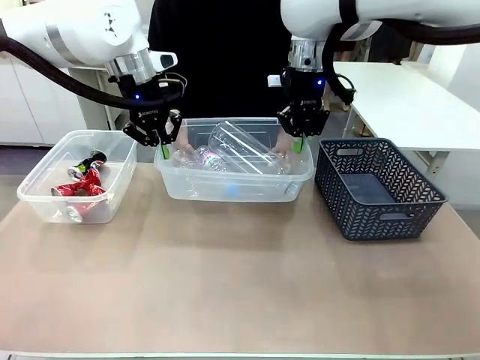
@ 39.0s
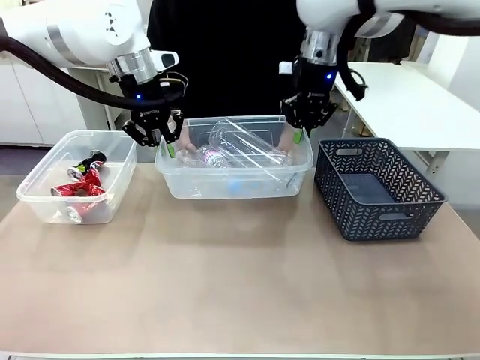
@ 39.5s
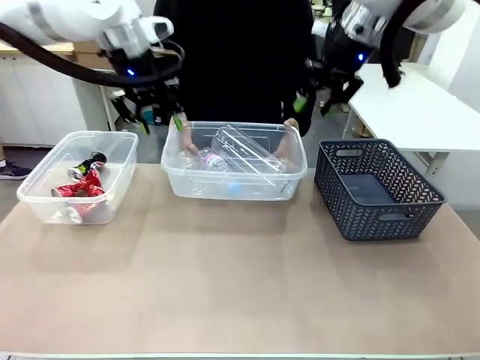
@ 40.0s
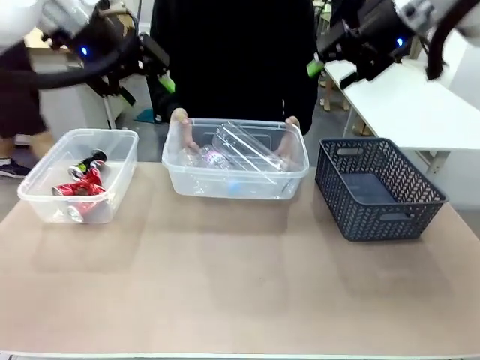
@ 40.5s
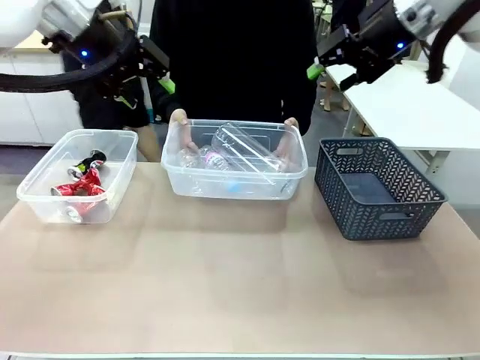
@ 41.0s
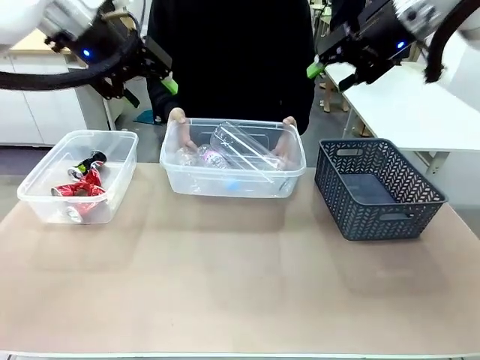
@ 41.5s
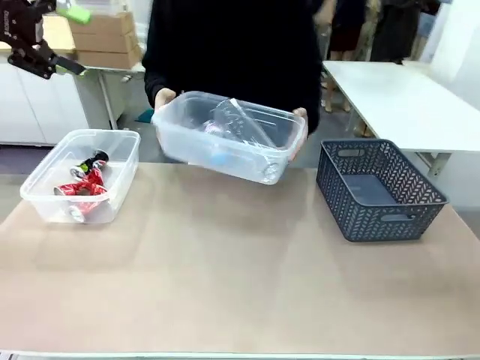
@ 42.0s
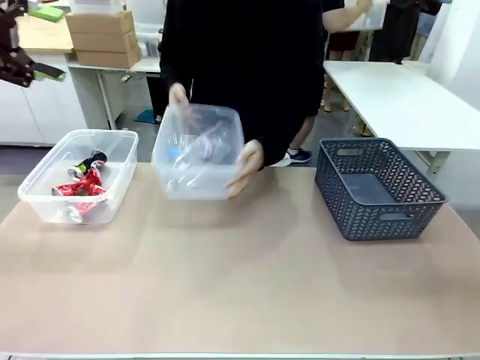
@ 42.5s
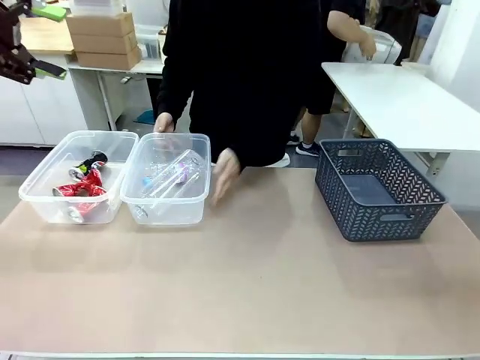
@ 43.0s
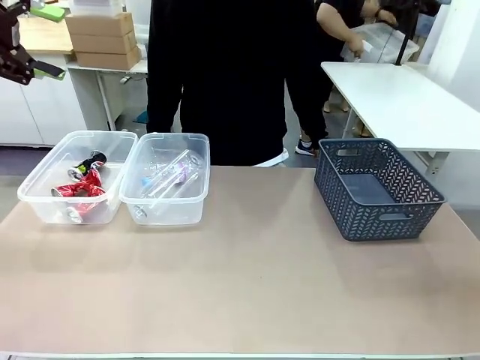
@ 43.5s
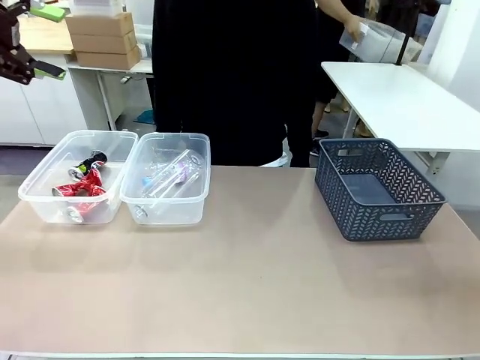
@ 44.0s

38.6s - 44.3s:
Robot: Release the Organizing box you were holding.
Person: Pick up the organizing box extended by the robot. Place the organizing box to the left of the sorting box containing the can waste.

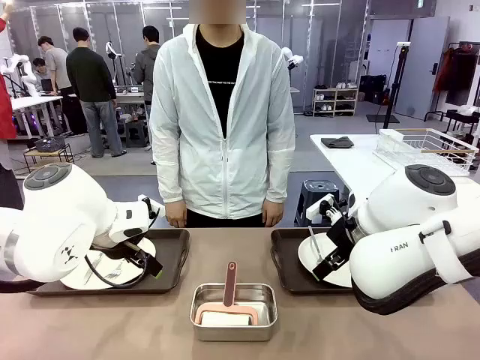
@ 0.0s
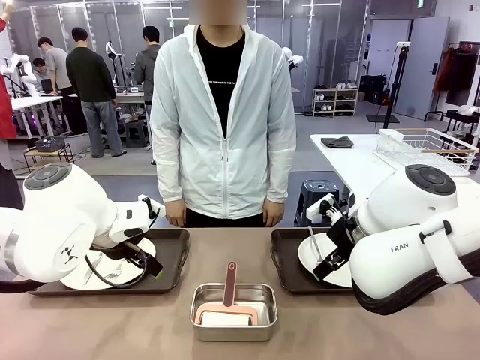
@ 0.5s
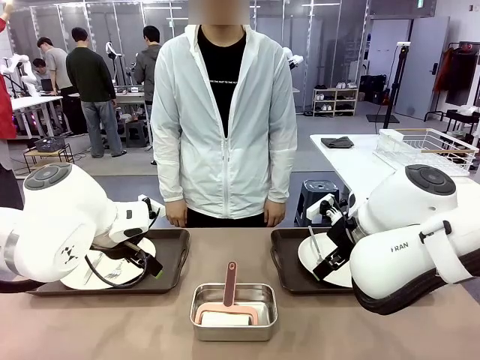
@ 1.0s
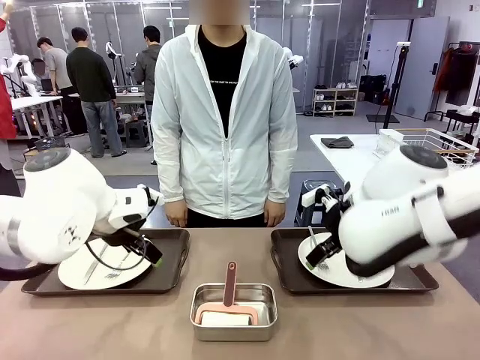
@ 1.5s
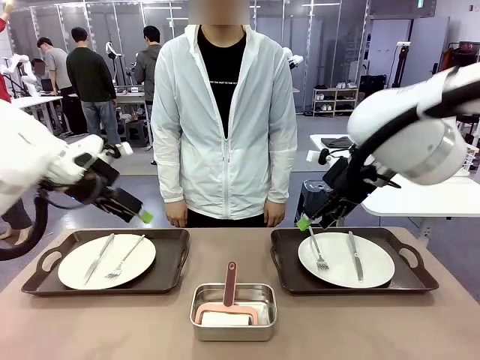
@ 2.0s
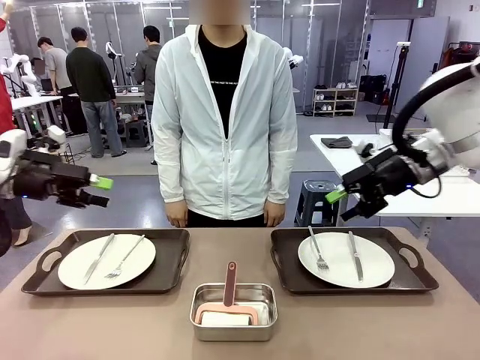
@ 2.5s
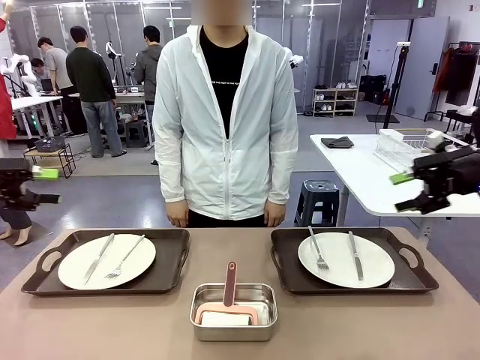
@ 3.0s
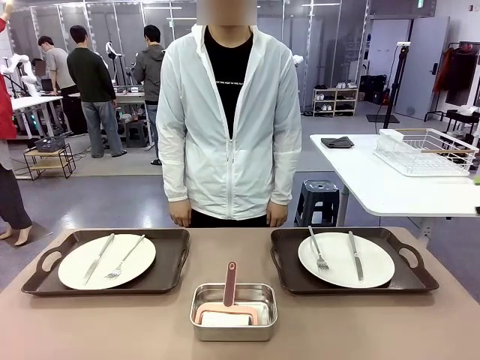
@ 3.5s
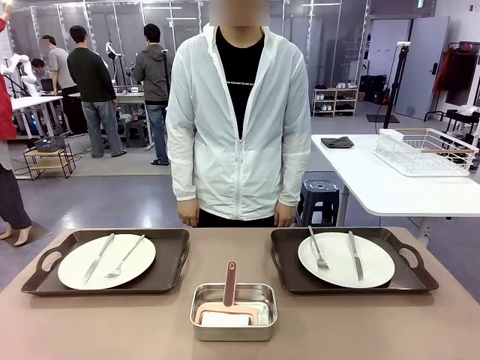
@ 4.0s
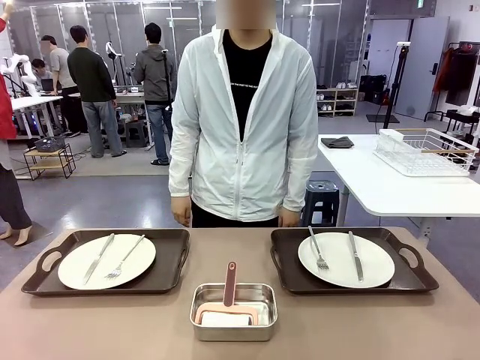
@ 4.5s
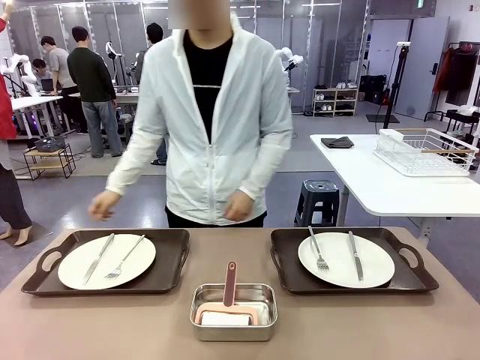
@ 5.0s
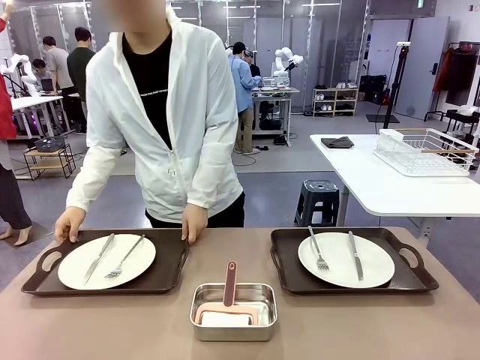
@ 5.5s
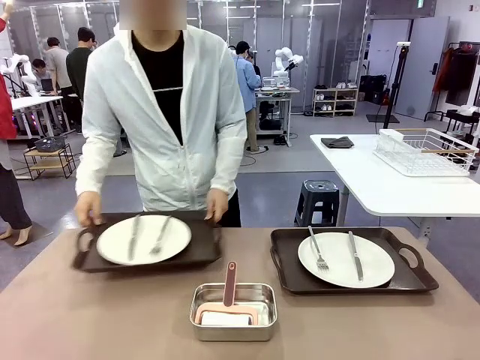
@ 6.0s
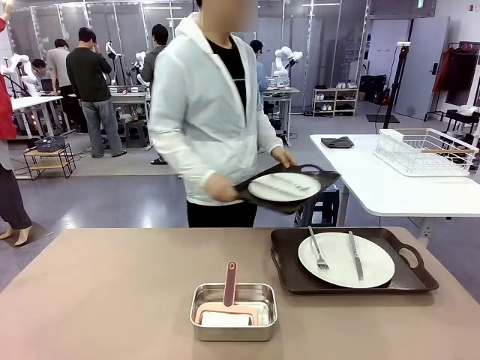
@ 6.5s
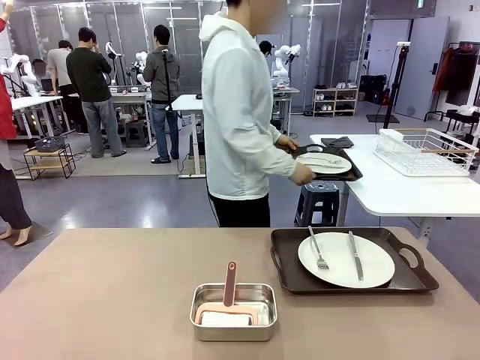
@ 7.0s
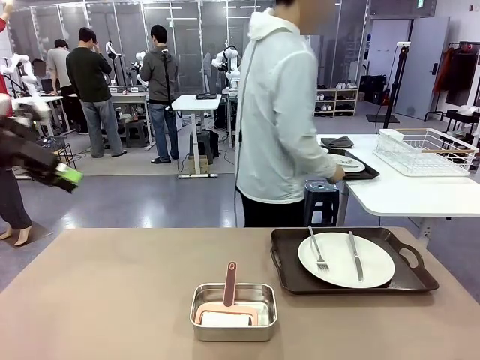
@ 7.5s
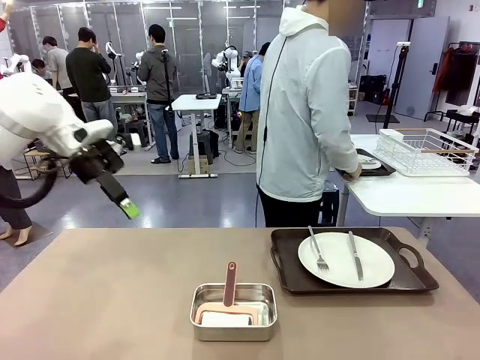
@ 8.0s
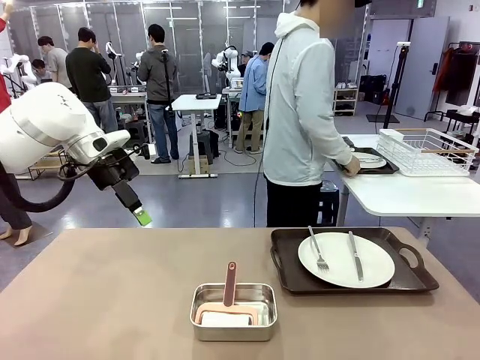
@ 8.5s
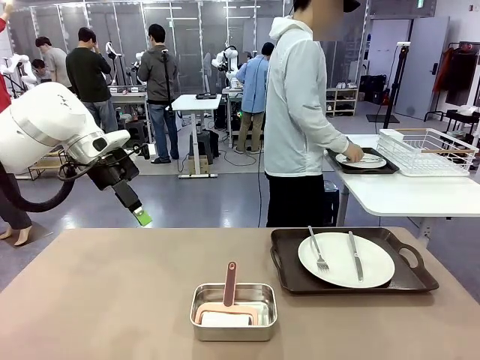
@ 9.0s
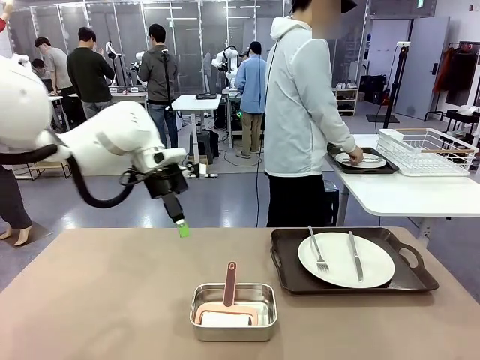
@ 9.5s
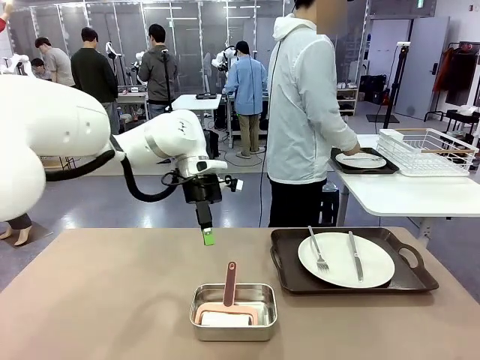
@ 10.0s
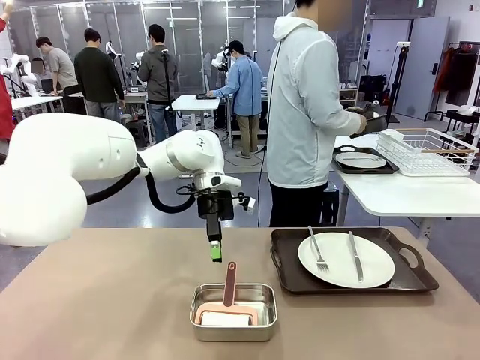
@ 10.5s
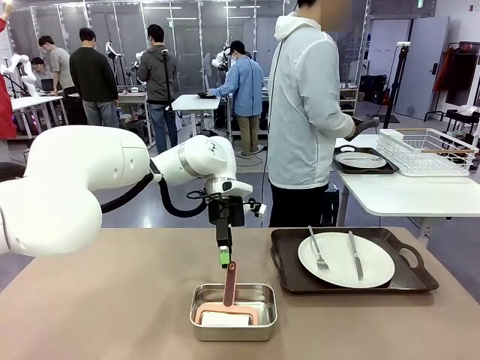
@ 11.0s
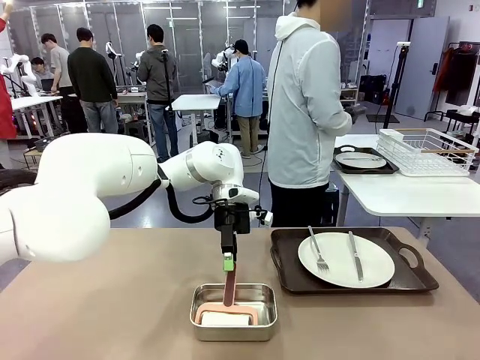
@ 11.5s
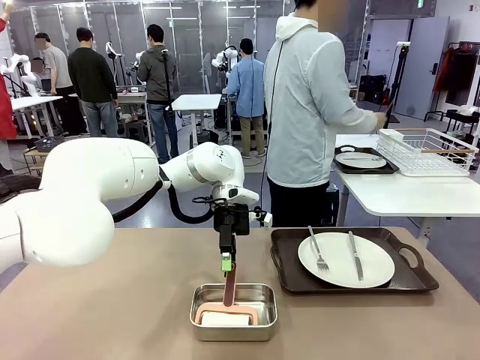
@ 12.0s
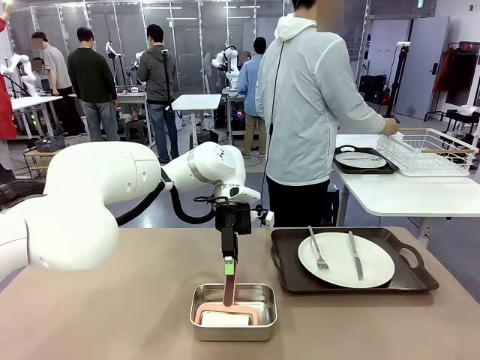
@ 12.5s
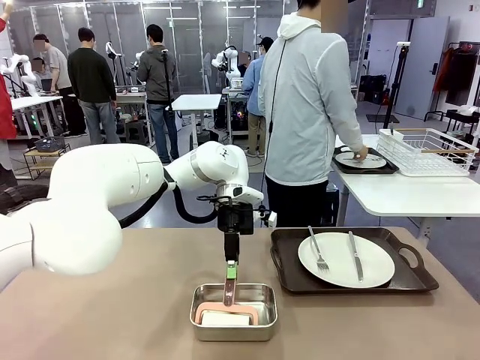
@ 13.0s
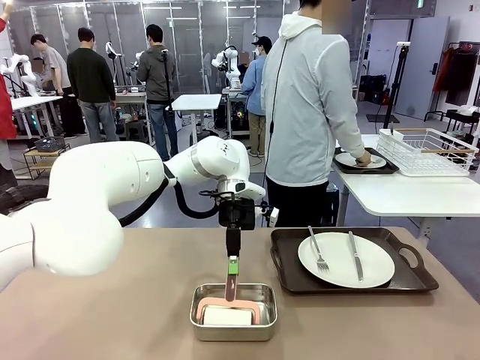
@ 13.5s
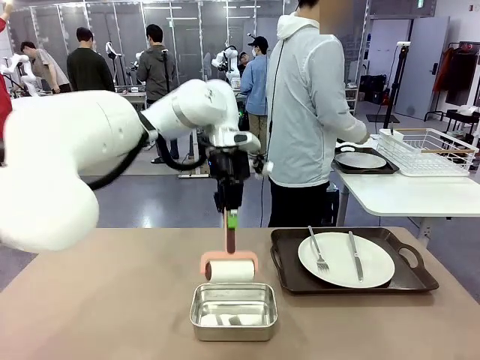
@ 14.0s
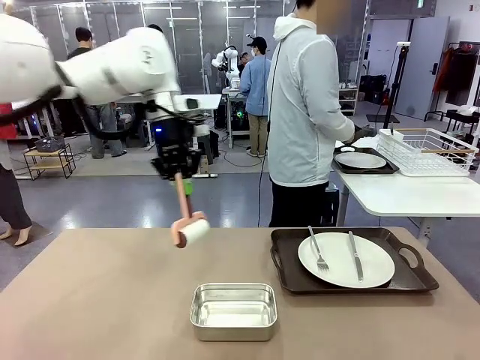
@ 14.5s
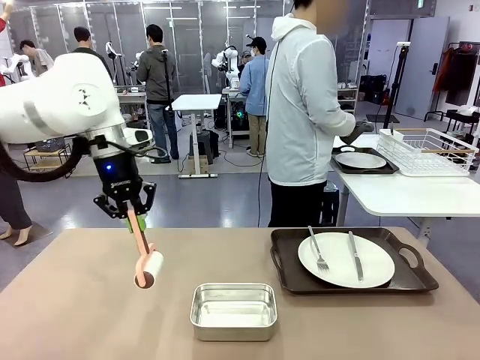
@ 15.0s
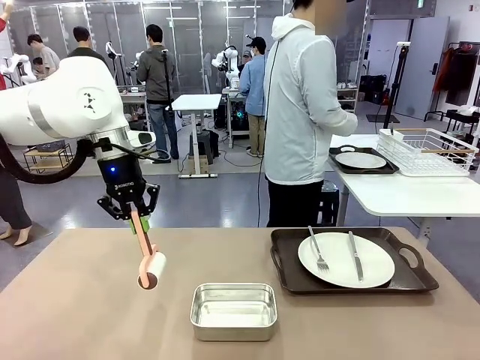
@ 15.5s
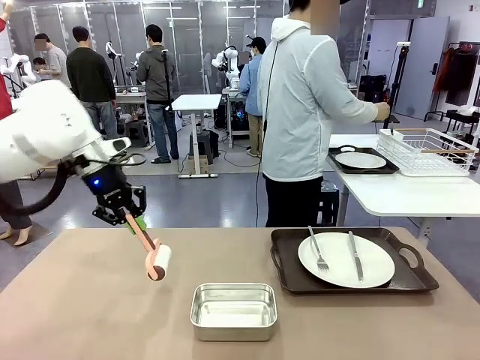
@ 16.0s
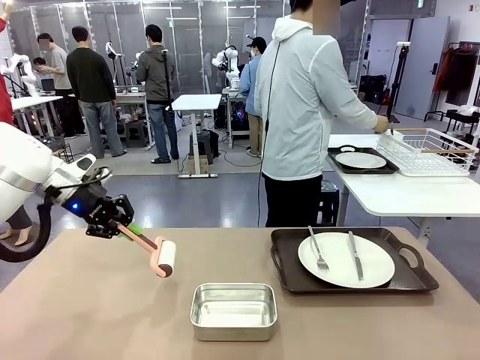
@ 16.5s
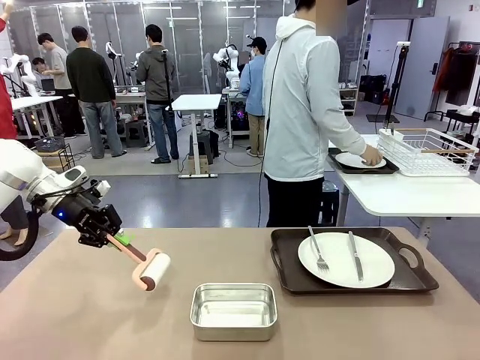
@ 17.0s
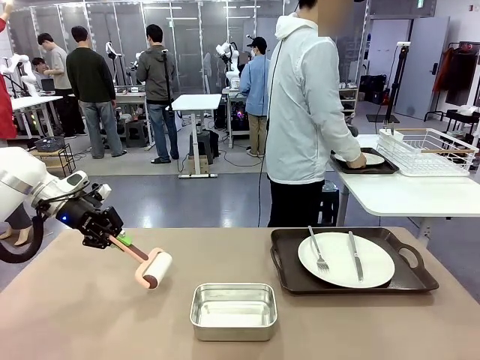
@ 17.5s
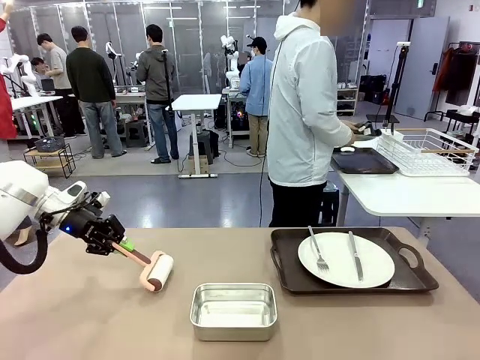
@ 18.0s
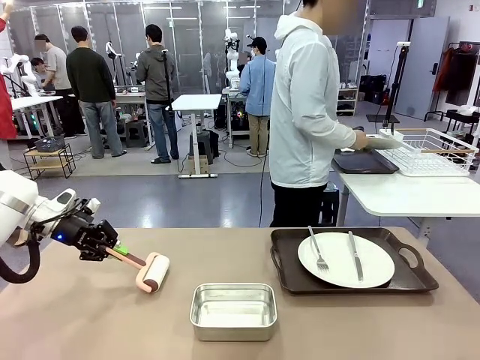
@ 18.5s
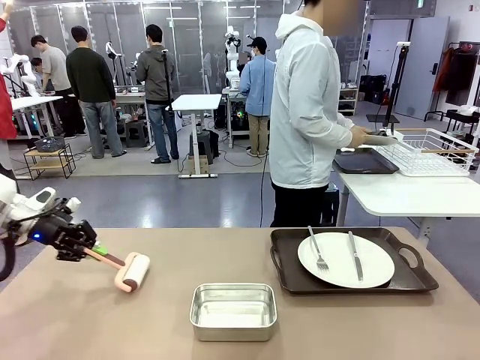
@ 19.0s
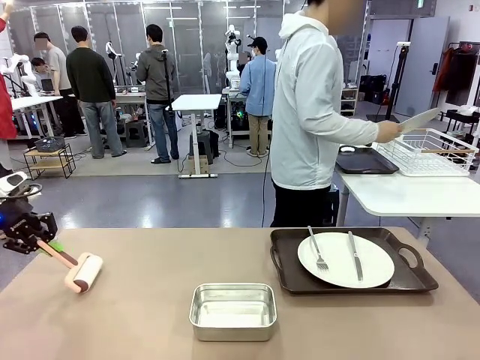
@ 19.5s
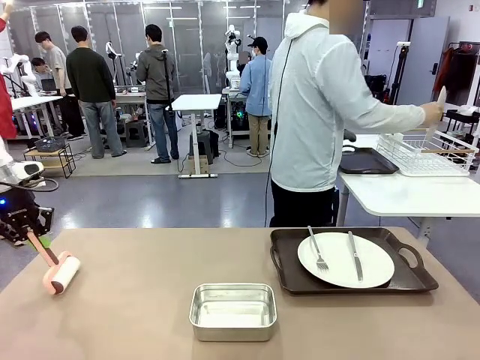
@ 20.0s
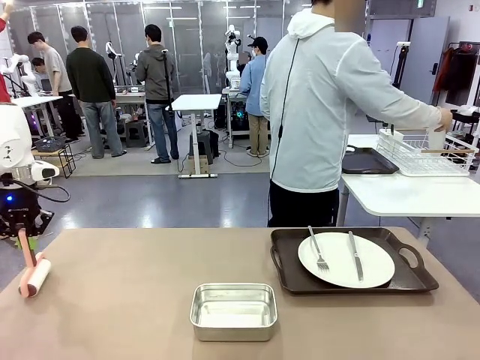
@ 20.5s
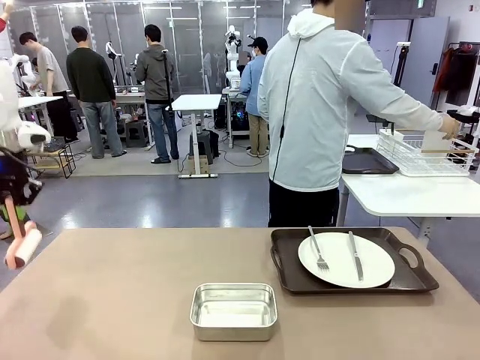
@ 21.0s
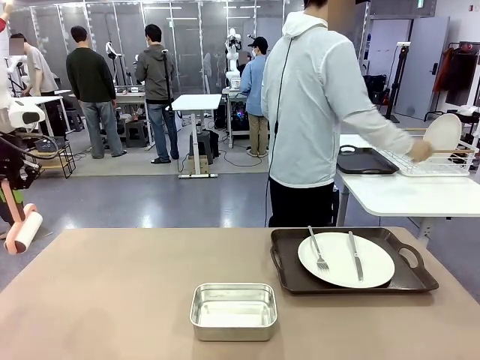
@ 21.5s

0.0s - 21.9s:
Robot: When the left (or right) Handle tray is removed, use the left hand (or right hand) to clean the left (or right) side of the table with the Lint Roller.
Person: Pick up the left (or right) Handle tray and place it on the middle of the Human's table. Use the Towel with hook to wipe the Plastic Matte Plate , Fork , and Knife and place into the Dish drying rack.
